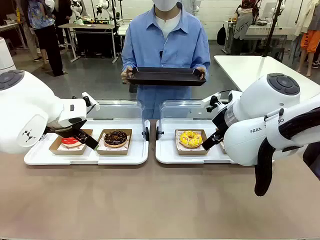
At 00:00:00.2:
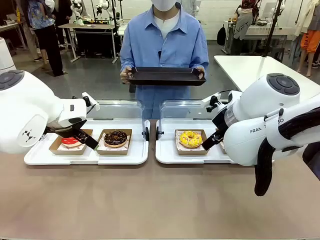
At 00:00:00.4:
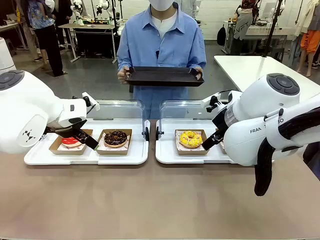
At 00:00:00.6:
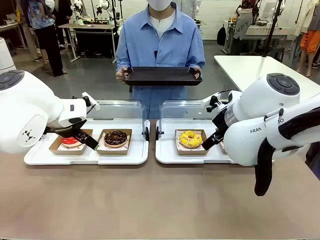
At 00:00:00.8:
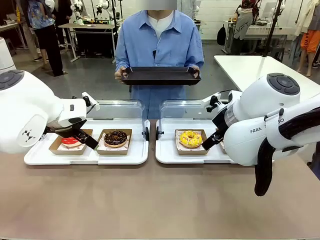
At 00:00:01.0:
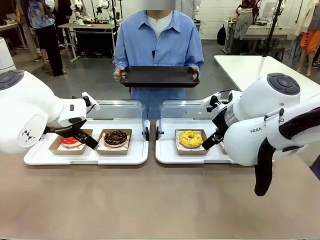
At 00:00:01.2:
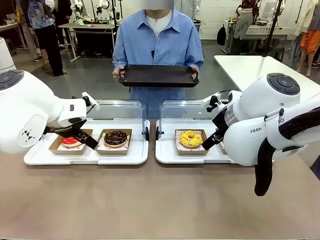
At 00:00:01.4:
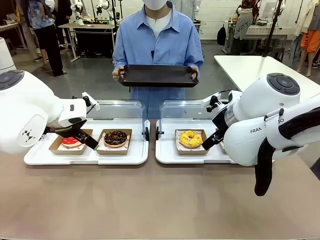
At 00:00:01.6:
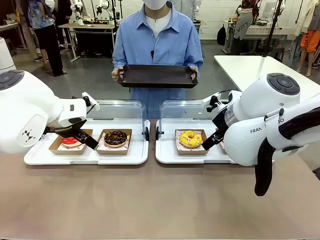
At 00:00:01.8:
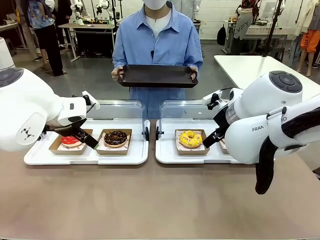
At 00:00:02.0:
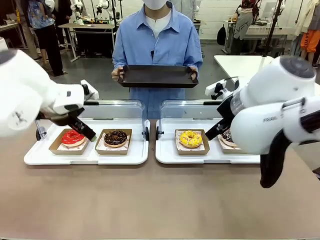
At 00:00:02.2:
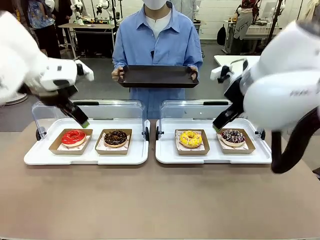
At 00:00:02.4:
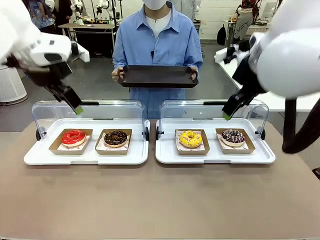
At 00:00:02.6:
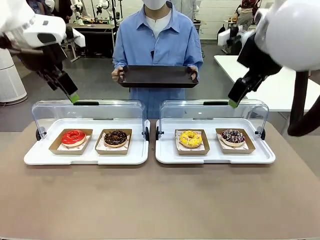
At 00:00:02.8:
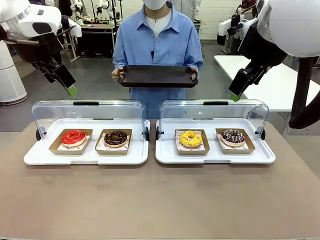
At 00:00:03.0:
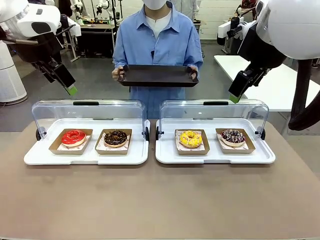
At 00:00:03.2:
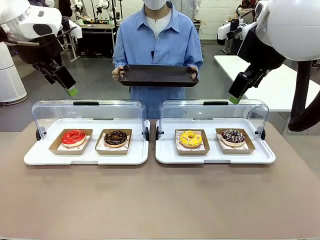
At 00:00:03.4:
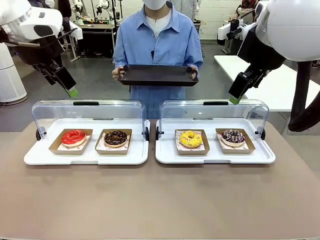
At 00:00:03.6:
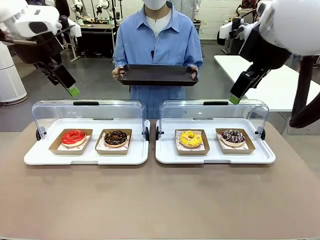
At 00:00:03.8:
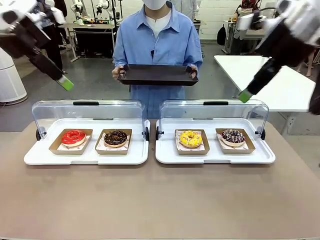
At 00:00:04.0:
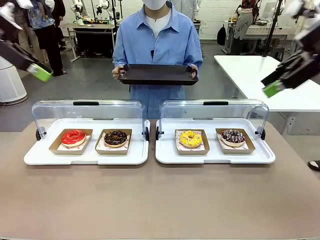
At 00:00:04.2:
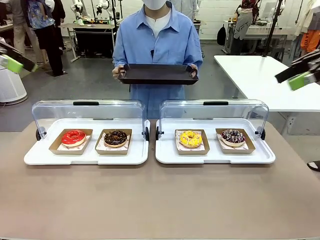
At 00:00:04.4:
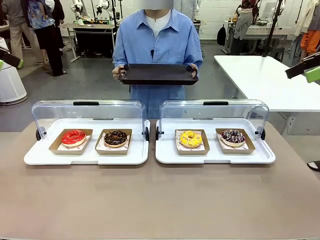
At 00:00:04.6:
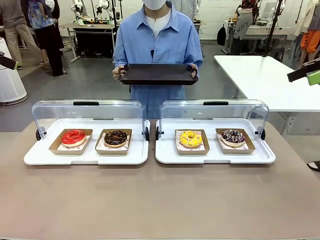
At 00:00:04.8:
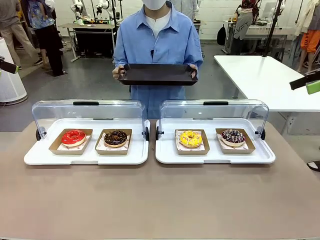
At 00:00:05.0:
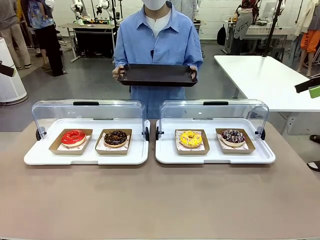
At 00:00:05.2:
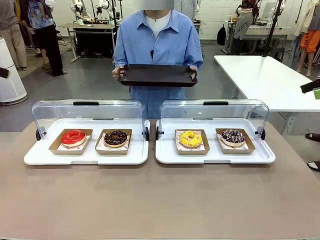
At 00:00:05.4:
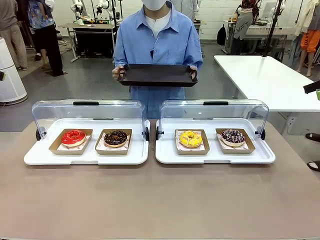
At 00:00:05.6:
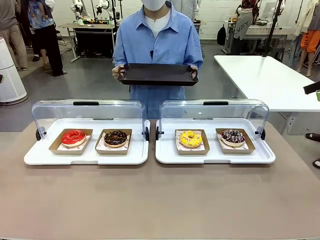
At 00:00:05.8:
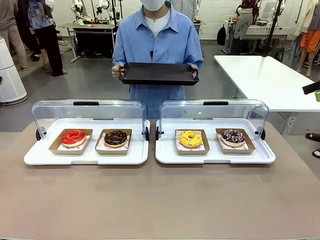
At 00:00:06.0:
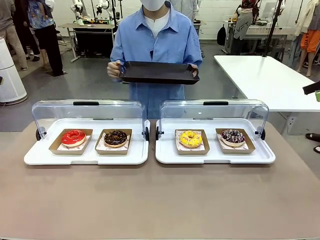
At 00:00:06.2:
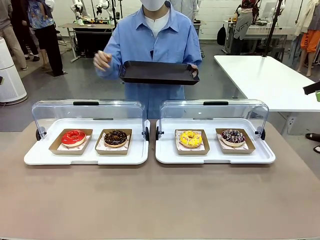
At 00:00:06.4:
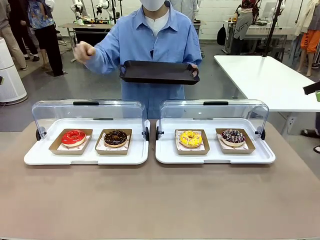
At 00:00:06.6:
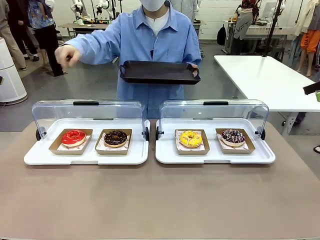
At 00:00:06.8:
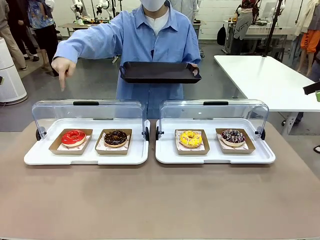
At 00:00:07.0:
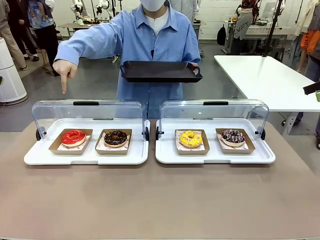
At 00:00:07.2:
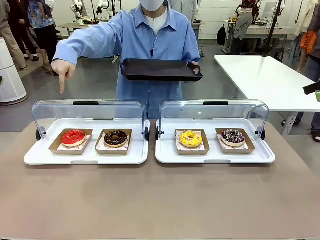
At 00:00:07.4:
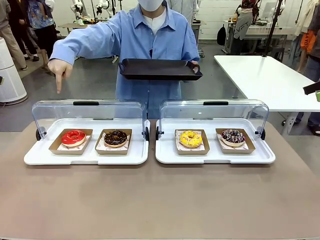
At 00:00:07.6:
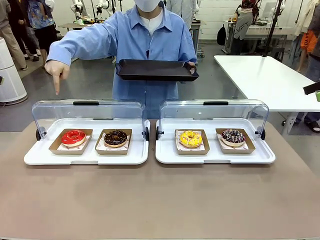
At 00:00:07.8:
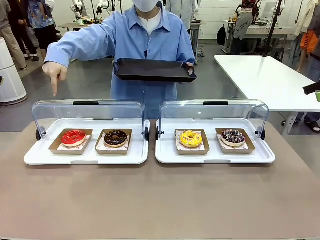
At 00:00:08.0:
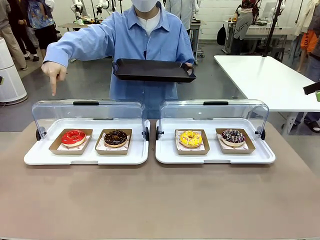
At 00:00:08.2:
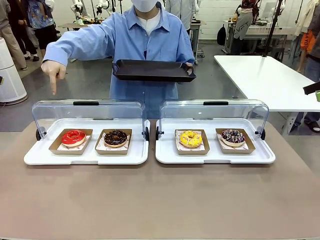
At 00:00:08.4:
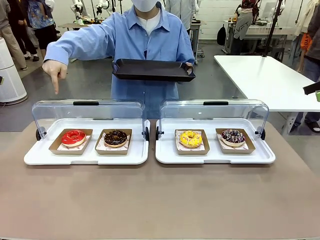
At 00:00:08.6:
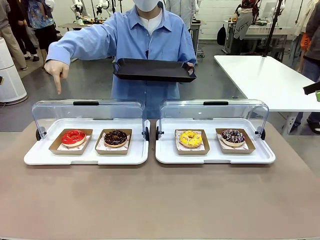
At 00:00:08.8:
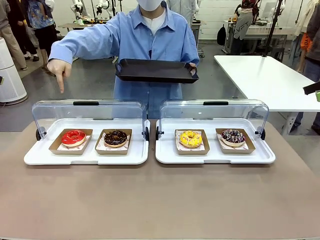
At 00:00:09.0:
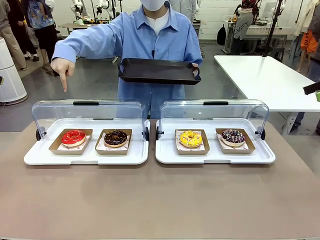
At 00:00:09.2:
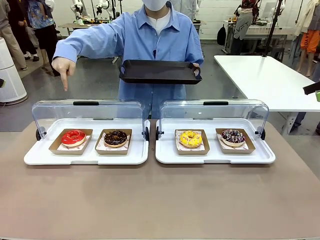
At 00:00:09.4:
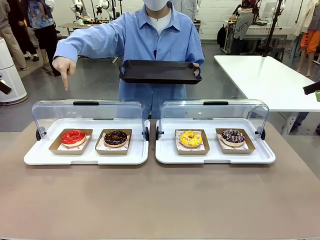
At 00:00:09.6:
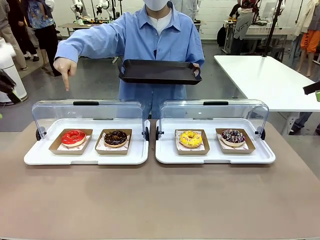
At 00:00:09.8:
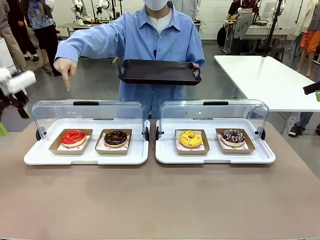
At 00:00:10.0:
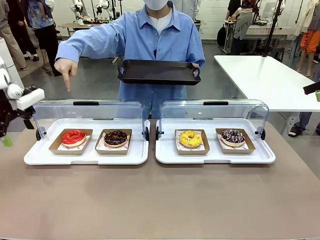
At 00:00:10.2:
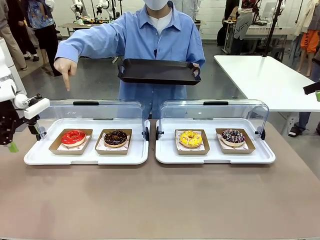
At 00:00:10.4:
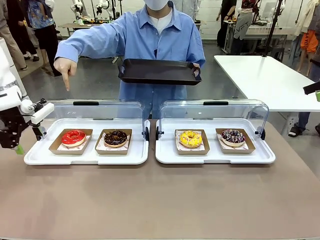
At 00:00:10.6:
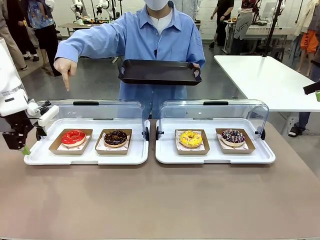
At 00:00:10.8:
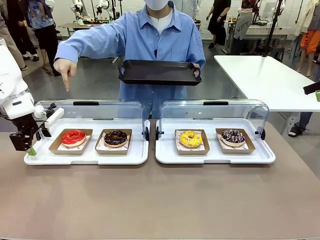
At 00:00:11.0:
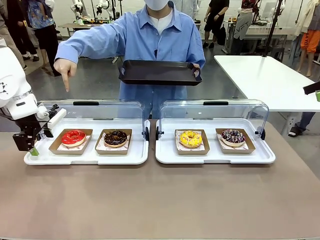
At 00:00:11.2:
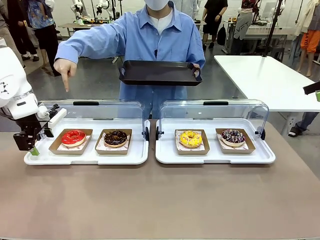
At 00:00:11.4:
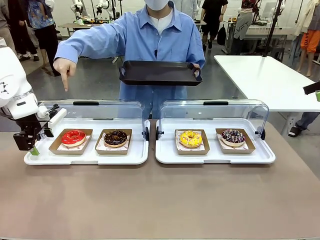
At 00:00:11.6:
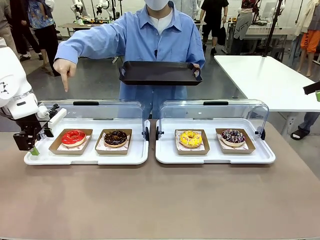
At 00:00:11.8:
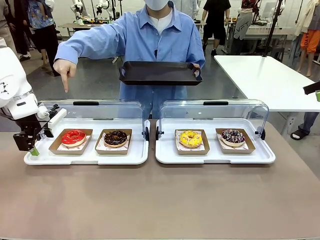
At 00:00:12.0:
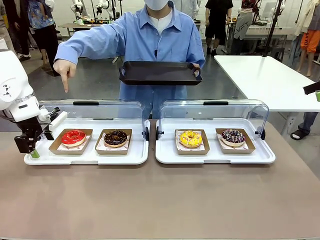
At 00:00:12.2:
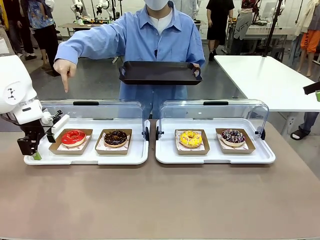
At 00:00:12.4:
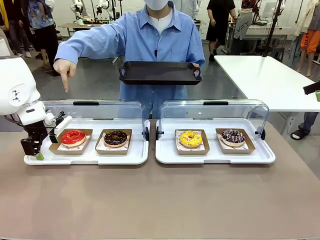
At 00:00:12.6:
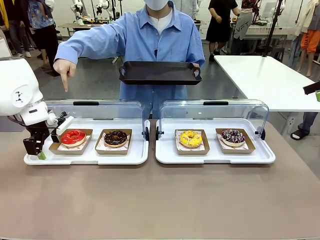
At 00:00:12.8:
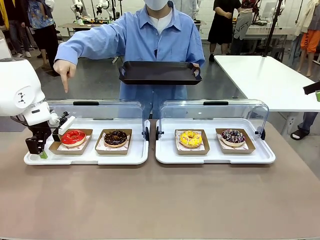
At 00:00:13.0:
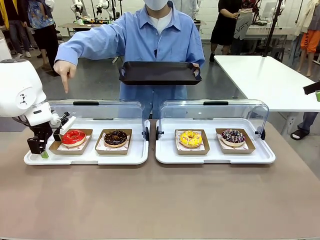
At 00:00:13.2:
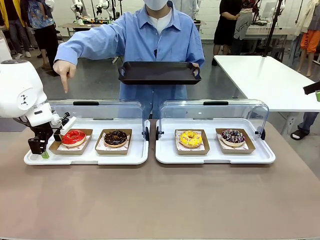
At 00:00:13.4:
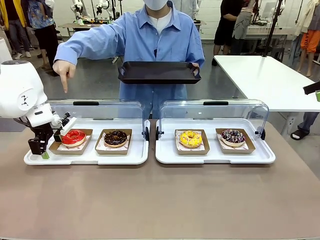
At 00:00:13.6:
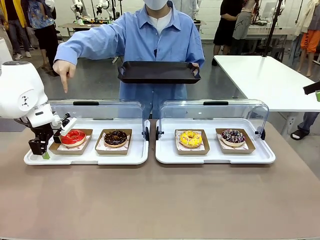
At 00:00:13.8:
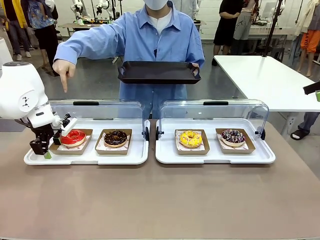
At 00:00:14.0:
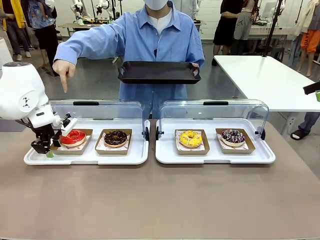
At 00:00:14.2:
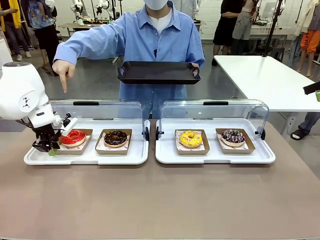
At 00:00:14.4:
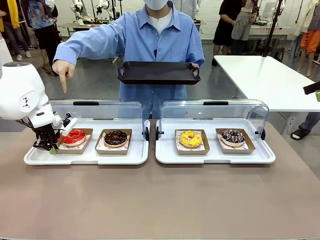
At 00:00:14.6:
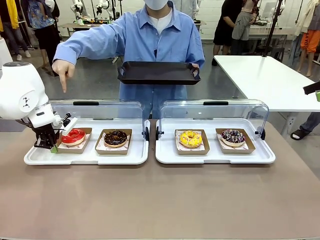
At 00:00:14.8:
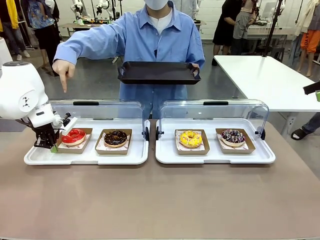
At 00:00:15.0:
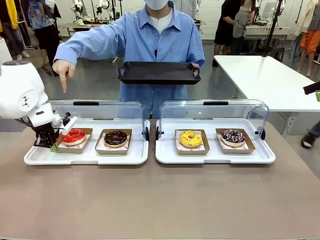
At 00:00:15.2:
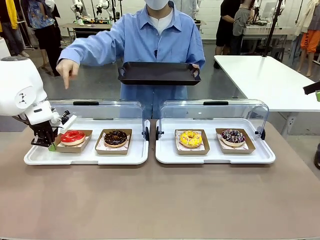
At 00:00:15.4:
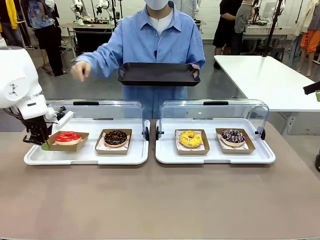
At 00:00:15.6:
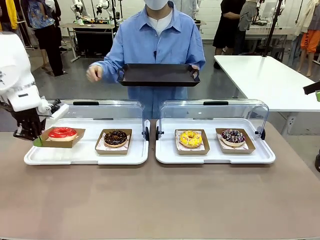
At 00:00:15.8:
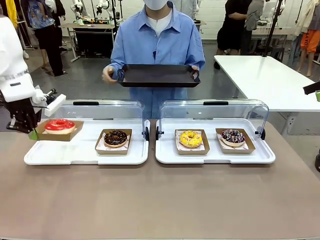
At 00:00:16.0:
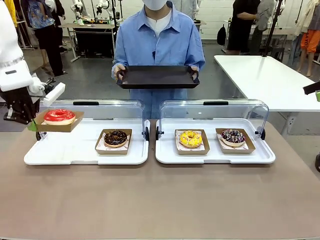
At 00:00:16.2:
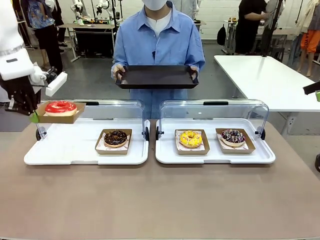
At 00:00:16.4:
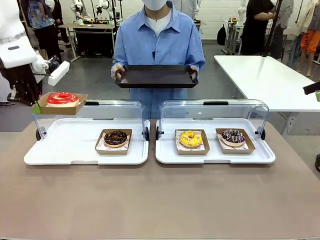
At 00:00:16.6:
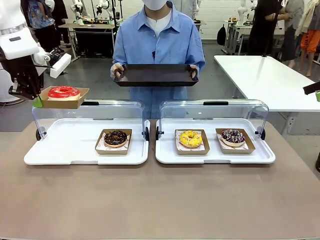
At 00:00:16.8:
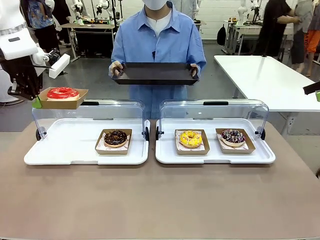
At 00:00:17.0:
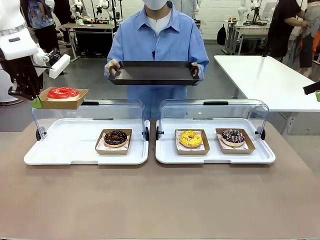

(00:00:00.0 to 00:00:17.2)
Task: Provide the desired donut to the person.
Robot: Pick up and lift the Paper togo box containing the Donut pointed at by the person.
Person: Point to one donut. Lift the tray onto the Roll-Top Bakery Case.

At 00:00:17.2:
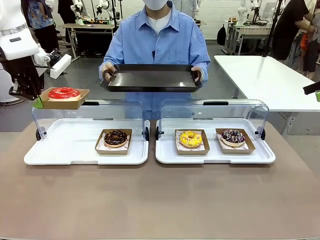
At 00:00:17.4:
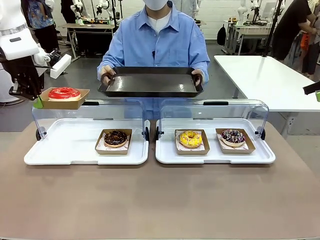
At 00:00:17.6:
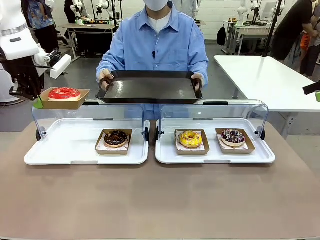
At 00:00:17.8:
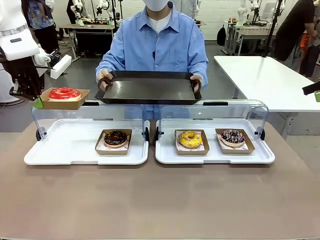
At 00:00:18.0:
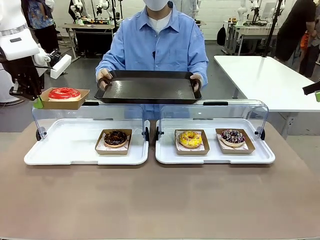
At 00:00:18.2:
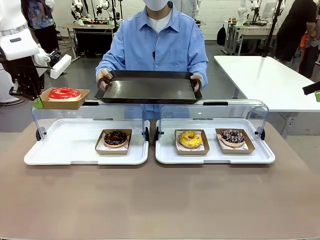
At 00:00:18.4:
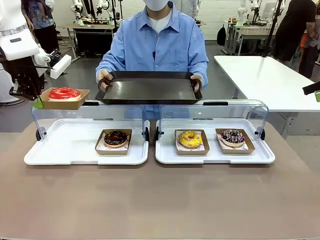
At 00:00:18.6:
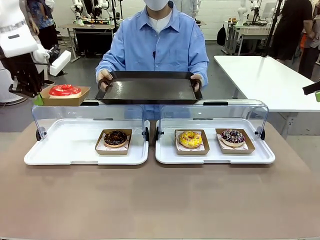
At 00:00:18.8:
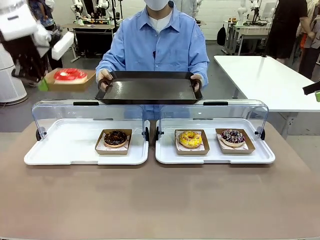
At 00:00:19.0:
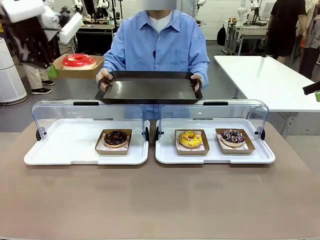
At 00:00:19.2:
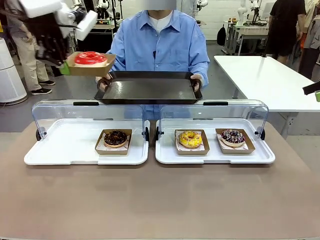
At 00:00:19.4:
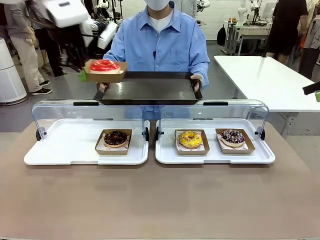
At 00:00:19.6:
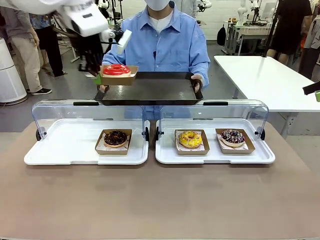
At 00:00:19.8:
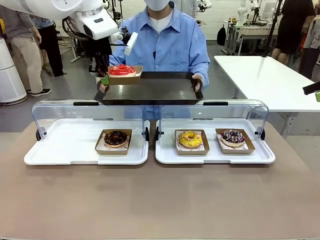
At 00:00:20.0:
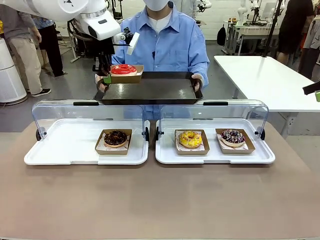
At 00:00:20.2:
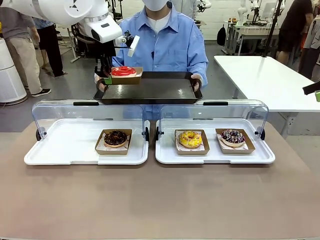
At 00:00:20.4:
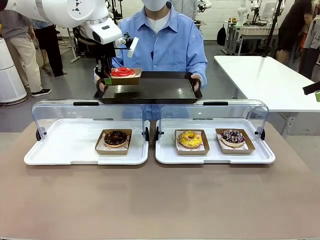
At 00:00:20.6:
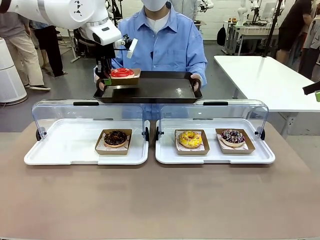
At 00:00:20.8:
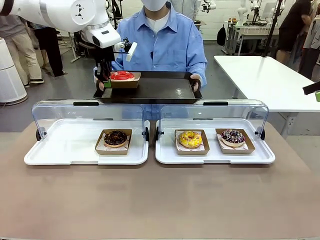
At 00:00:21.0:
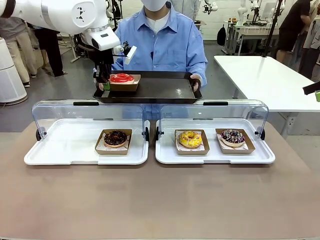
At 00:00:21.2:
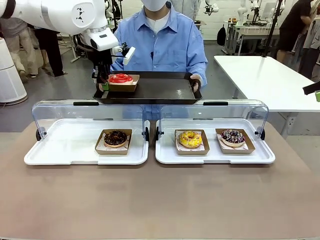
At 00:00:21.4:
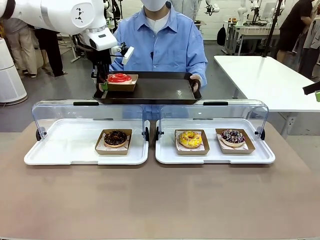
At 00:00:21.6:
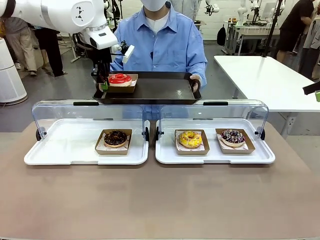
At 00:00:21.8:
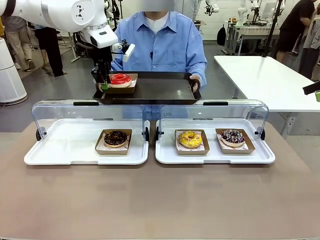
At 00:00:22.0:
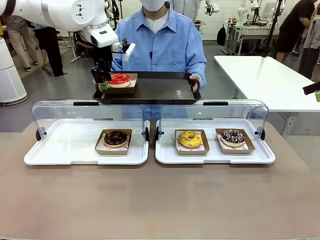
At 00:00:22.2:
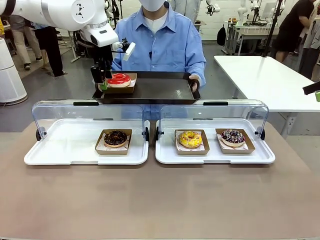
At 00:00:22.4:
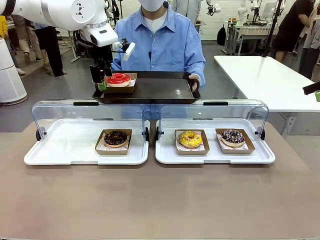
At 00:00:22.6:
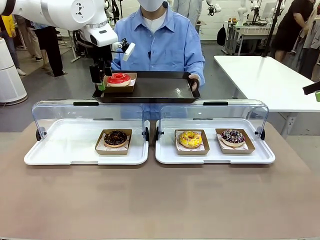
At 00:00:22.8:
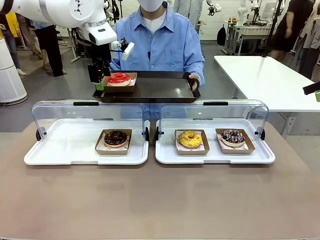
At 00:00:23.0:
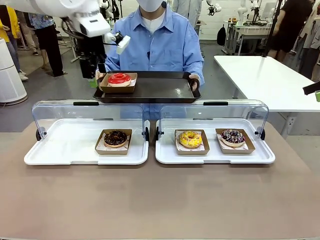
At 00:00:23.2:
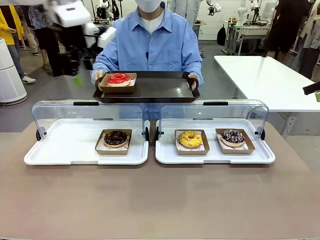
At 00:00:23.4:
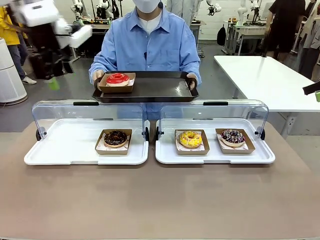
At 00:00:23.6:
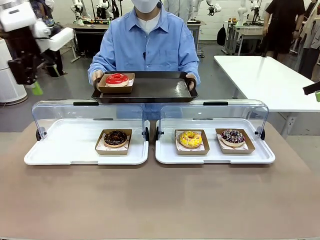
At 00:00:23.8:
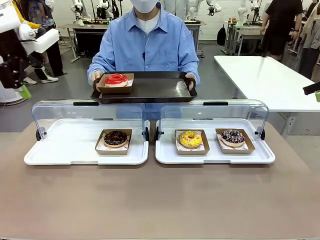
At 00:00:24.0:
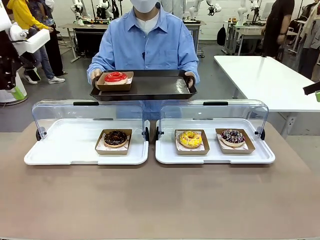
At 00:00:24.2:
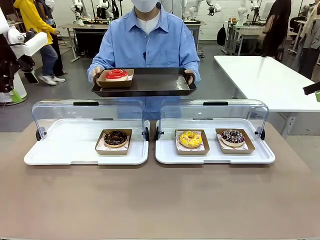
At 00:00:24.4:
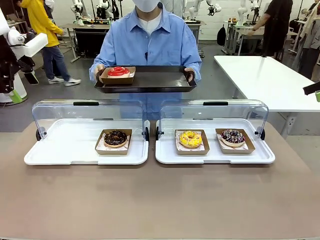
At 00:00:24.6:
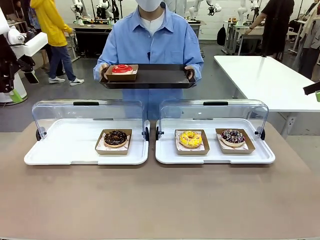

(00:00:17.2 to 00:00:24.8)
Robot: Place the picked Paper togo box onto the Handle tray extended by the person.
